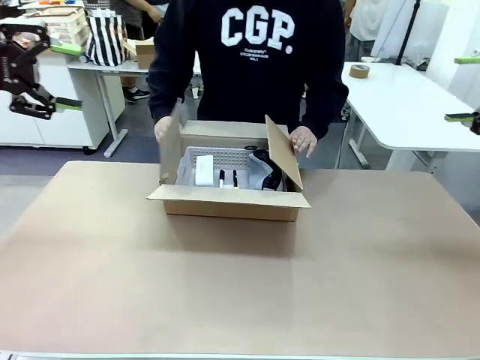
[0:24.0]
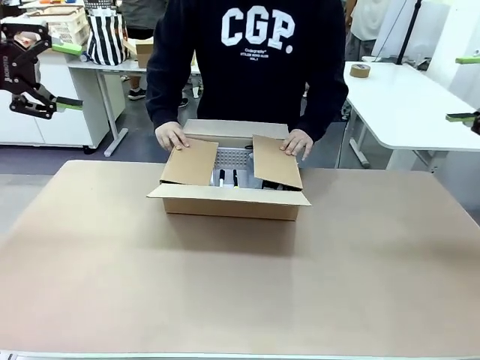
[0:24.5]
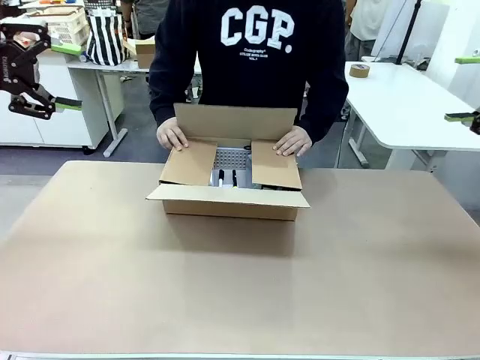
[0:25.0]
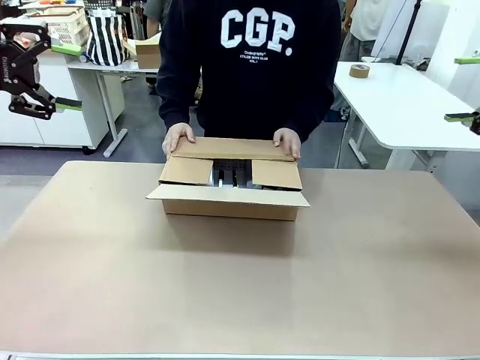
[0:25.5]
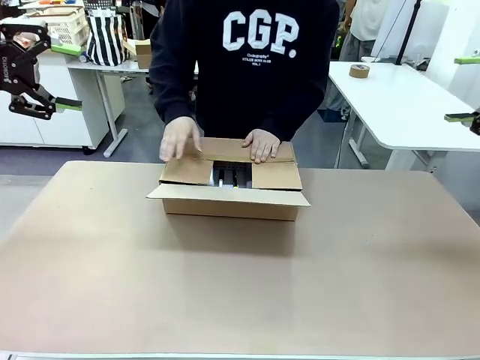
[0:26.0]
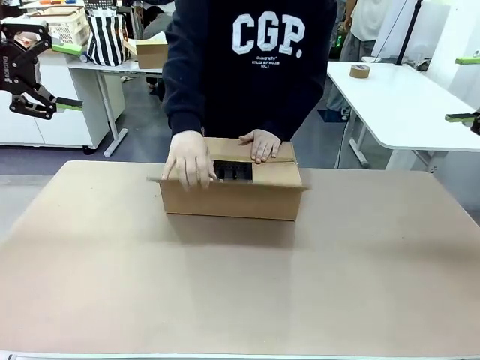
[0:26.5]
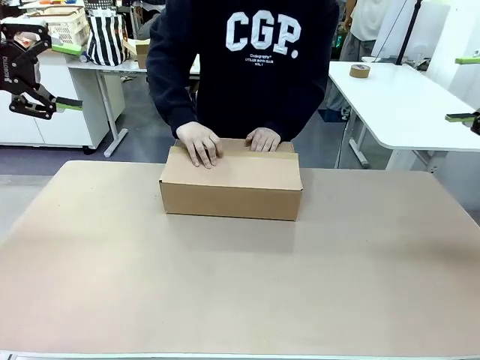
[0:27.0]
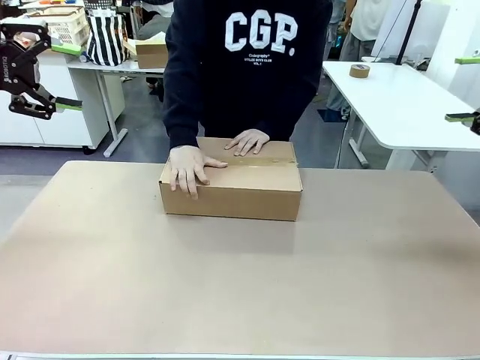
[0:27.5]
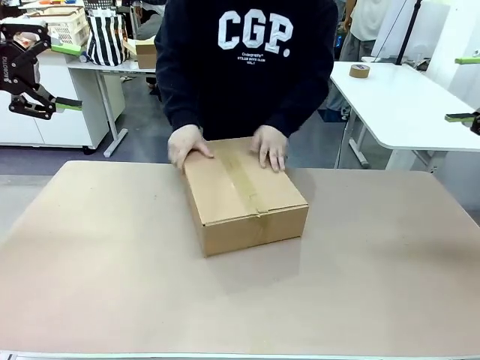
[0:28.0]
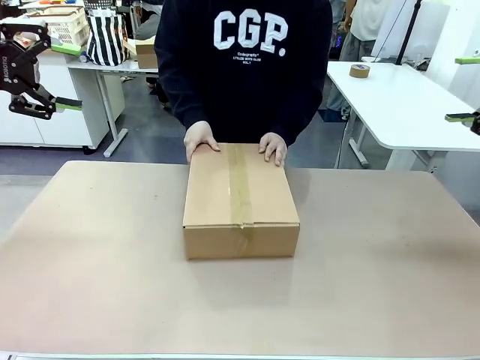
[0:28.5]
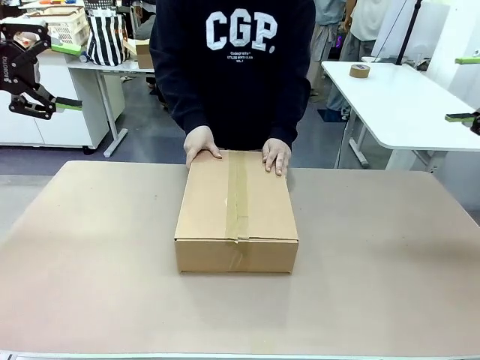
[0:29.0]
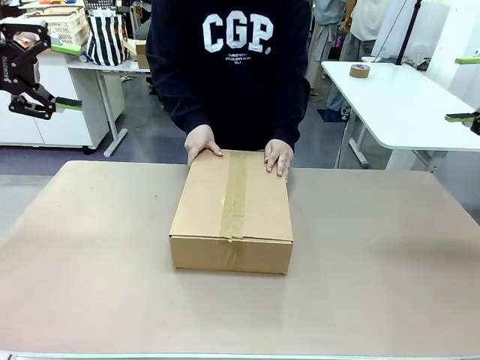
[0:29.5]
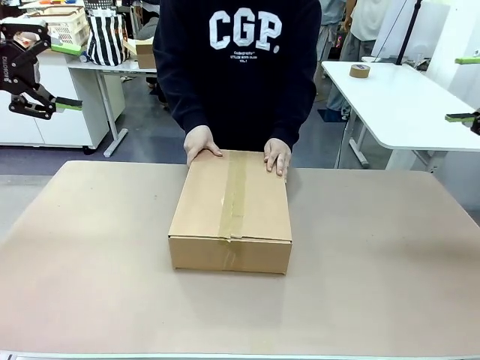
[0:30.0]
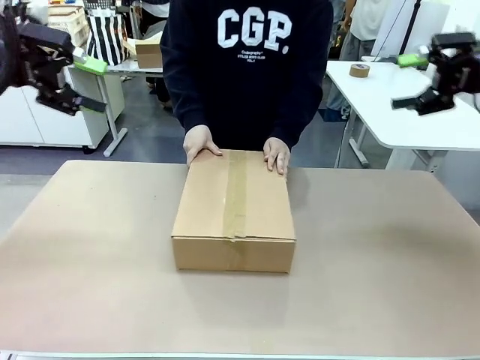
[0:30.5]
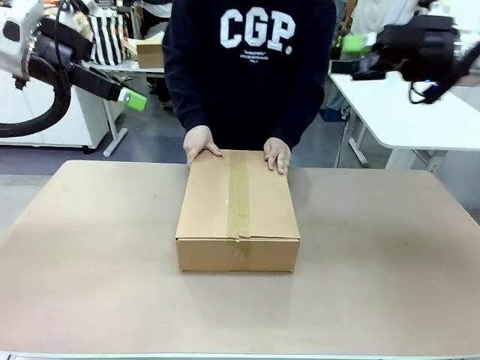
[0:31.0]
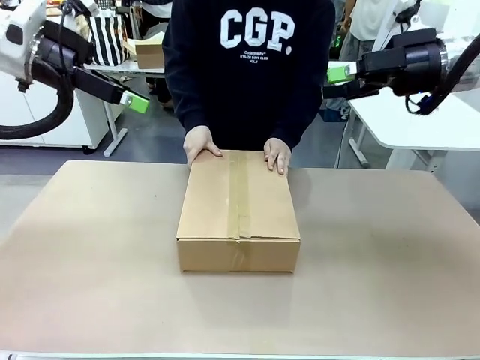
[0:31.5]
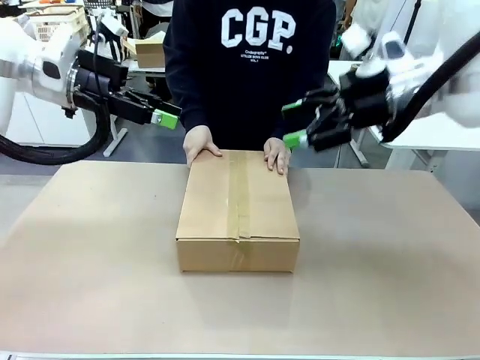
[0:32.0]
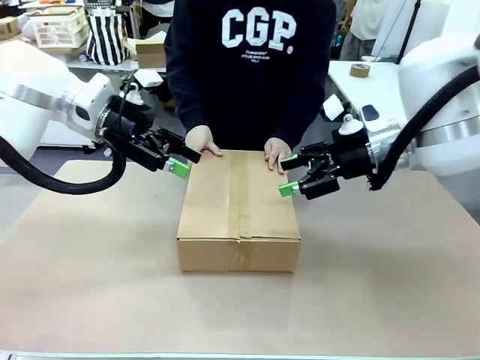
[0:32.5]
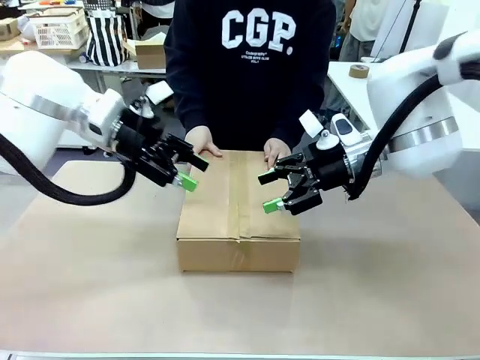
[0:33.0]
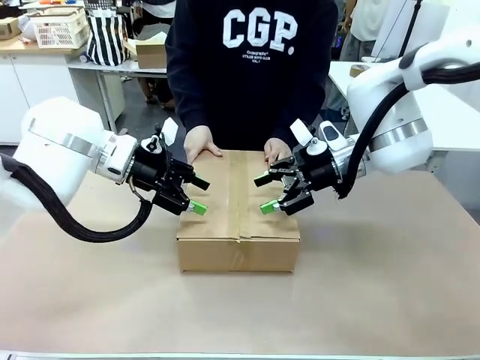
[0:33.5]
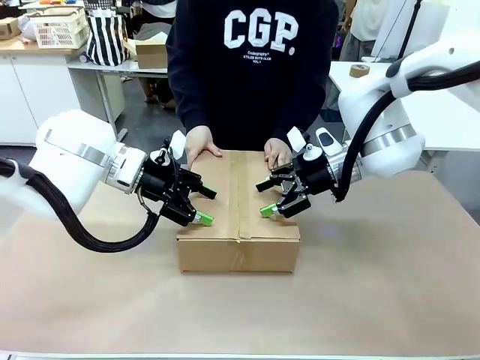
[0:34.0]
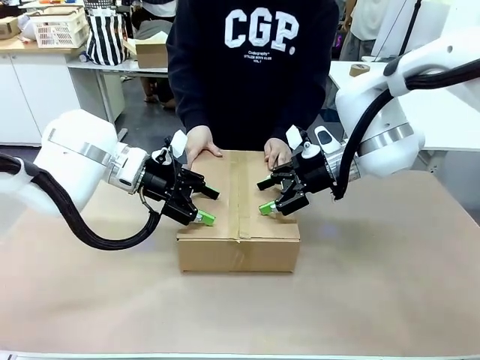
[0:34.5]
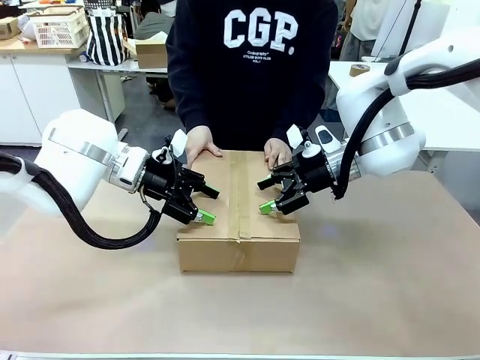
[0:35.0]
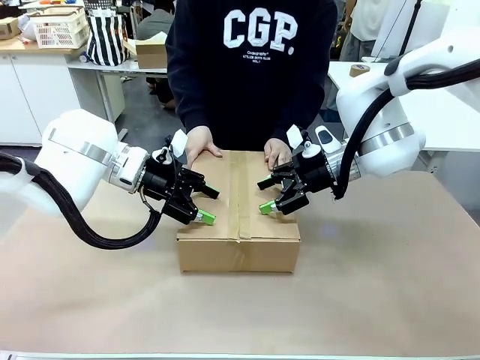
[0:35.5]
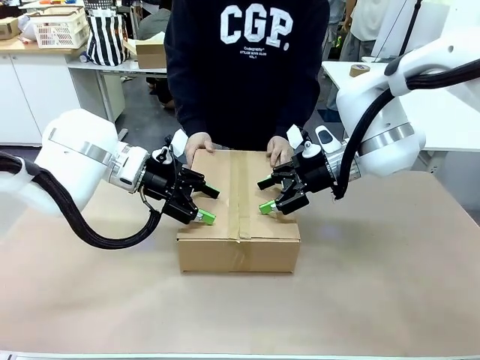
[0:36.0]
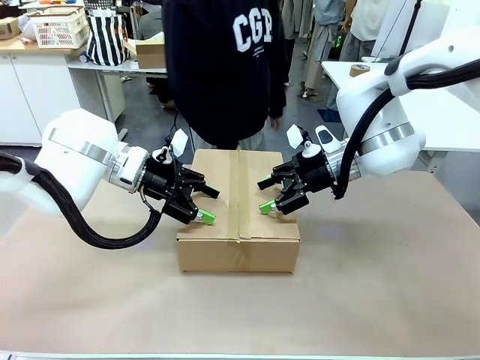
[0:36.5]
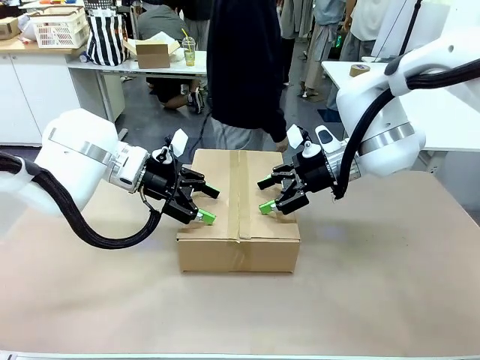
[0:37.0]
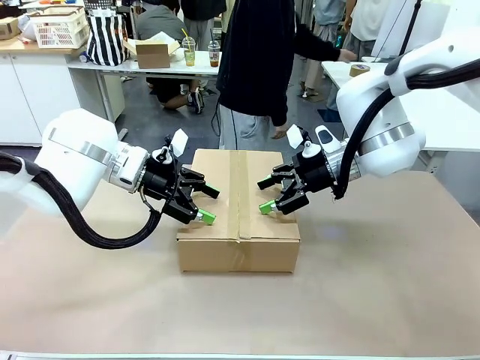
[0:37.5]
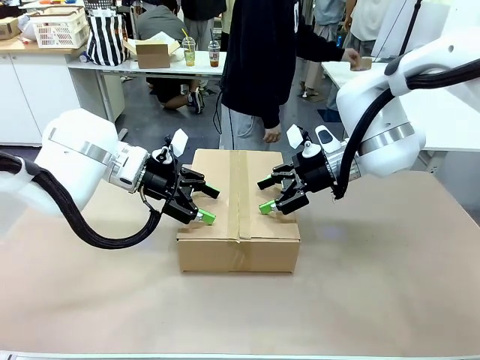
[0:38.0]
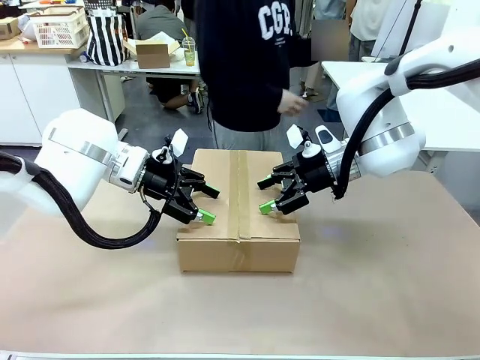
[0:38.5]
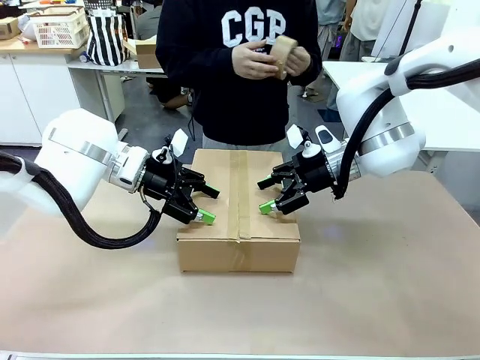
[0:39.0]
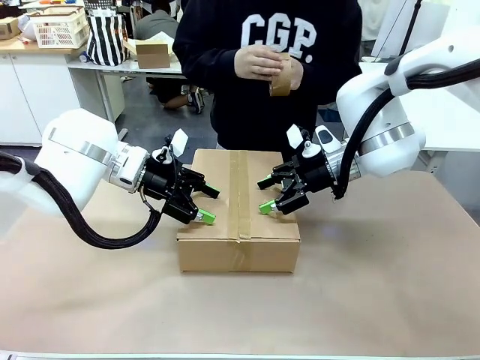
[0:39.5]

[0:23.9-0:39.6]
Task: Pack the gift set into the box.
Robot: Press and hold the closed box until the human finishes sealing it.
Person: The human closes the box and rotates the box by 90 degrees.

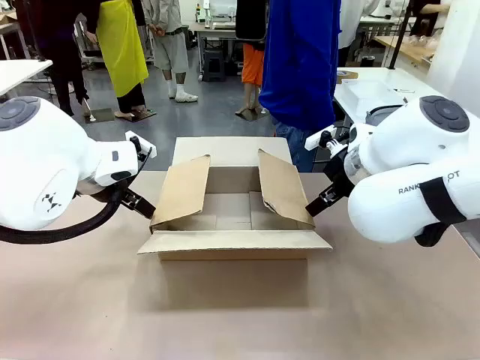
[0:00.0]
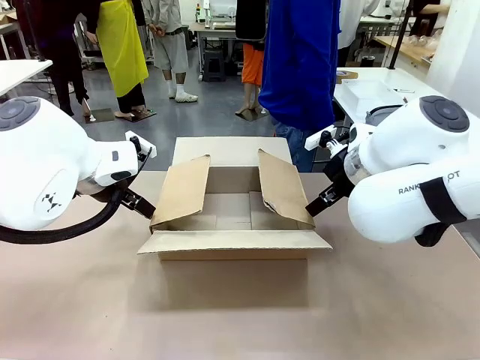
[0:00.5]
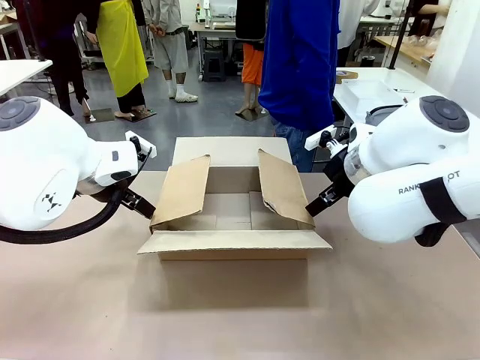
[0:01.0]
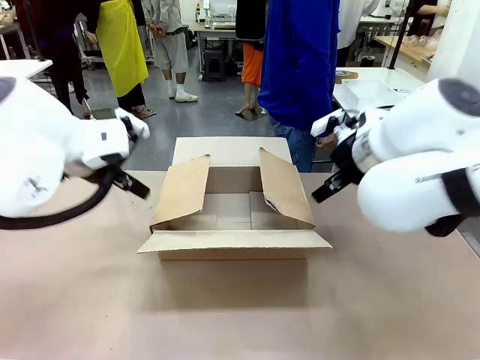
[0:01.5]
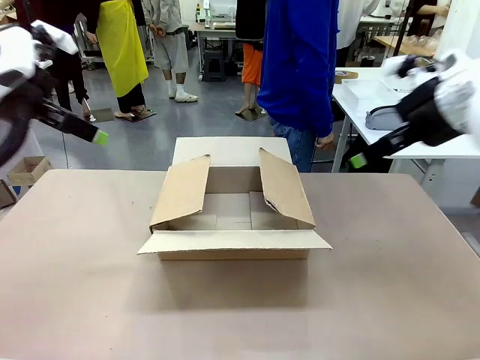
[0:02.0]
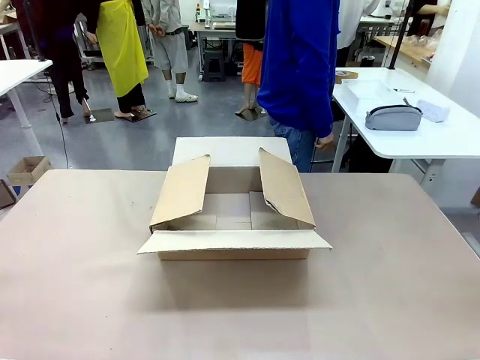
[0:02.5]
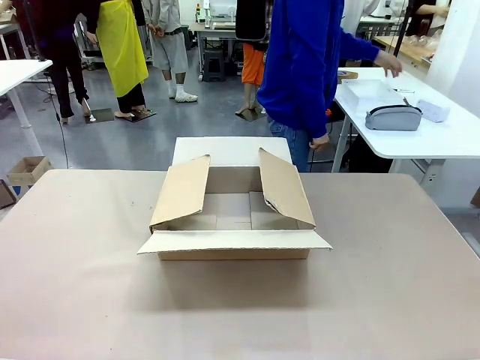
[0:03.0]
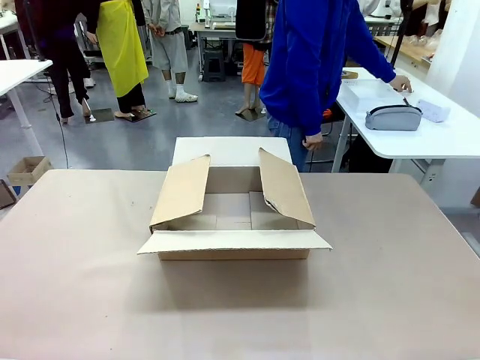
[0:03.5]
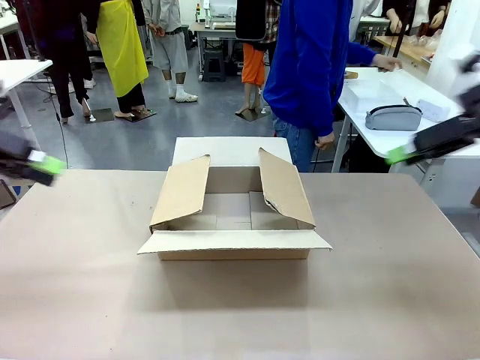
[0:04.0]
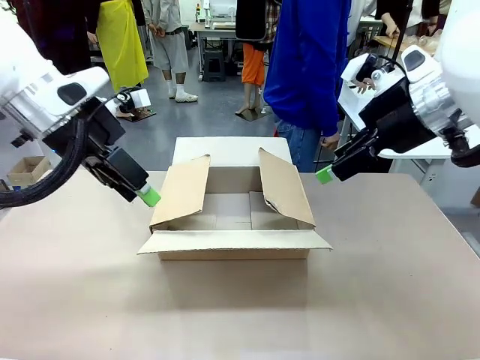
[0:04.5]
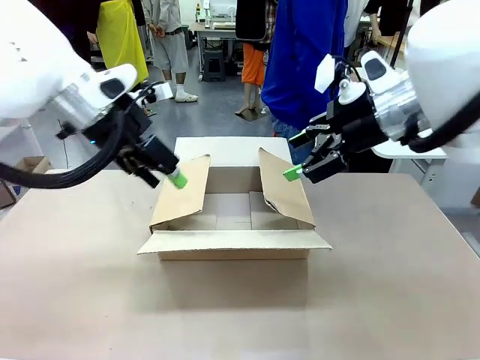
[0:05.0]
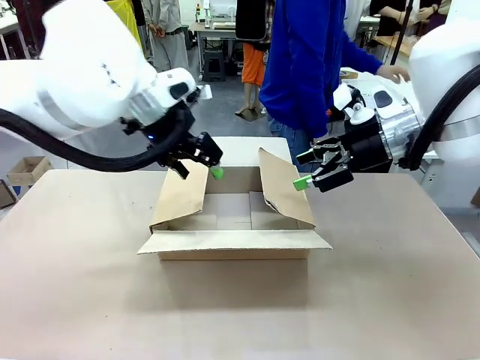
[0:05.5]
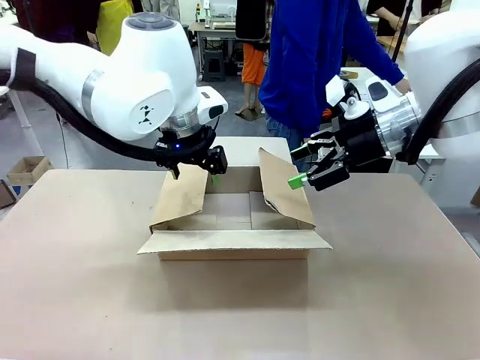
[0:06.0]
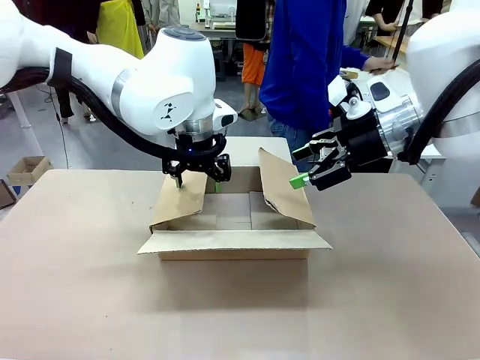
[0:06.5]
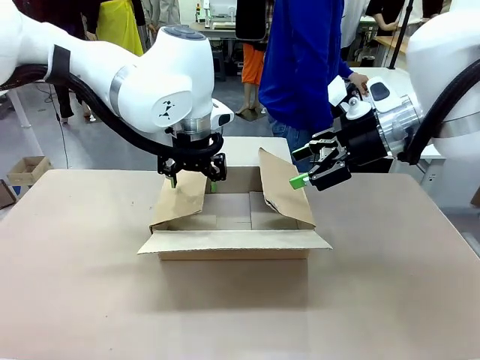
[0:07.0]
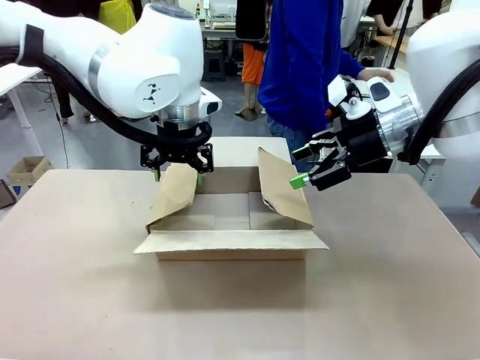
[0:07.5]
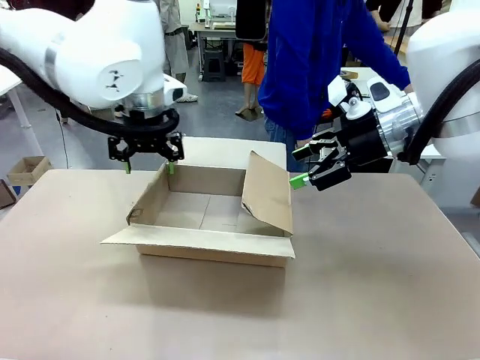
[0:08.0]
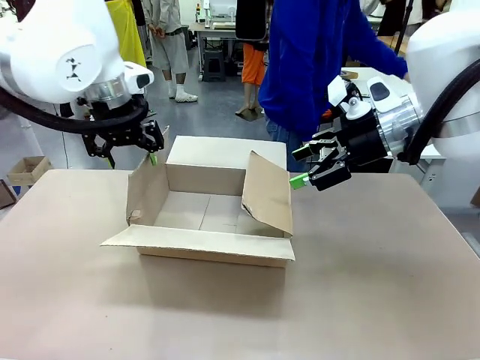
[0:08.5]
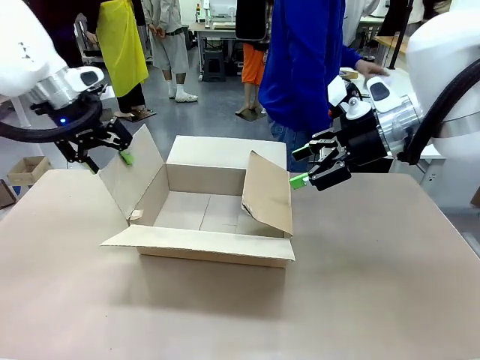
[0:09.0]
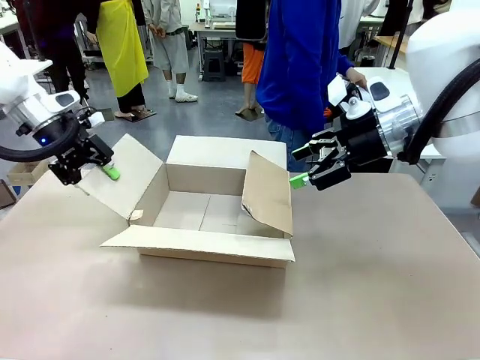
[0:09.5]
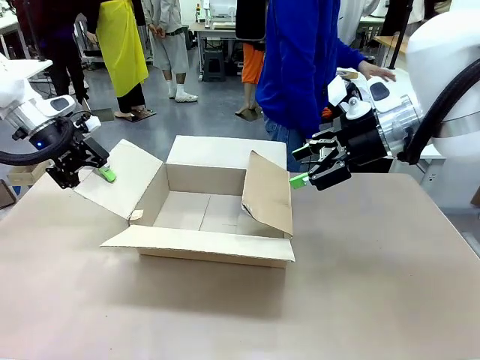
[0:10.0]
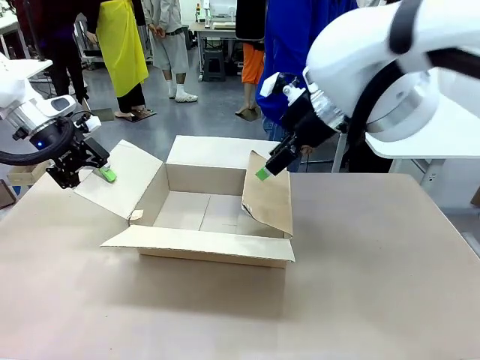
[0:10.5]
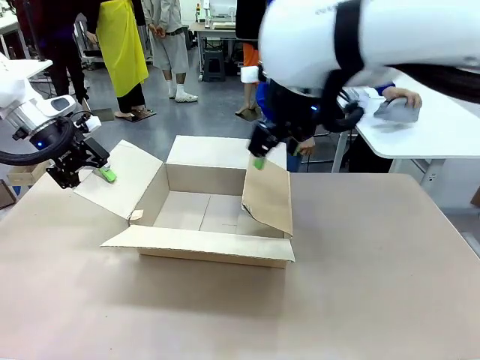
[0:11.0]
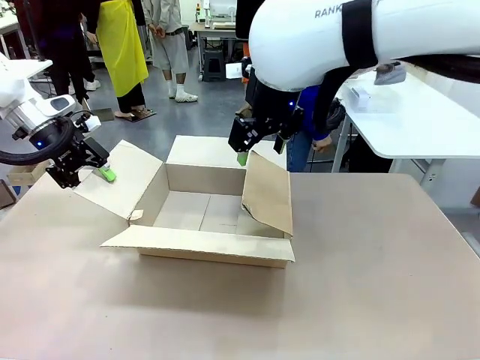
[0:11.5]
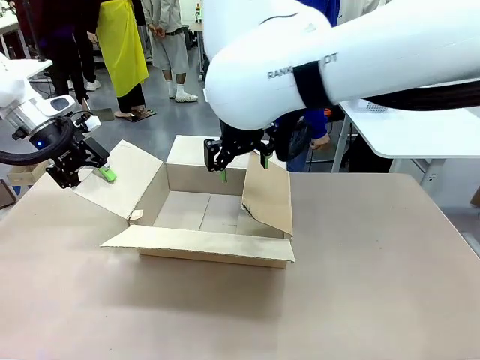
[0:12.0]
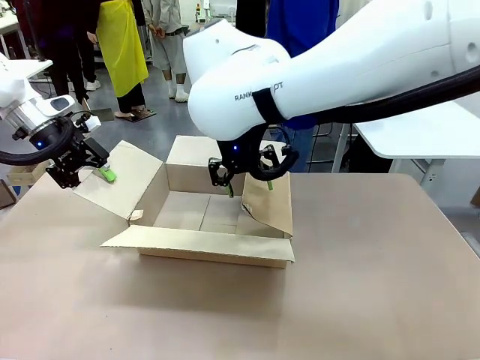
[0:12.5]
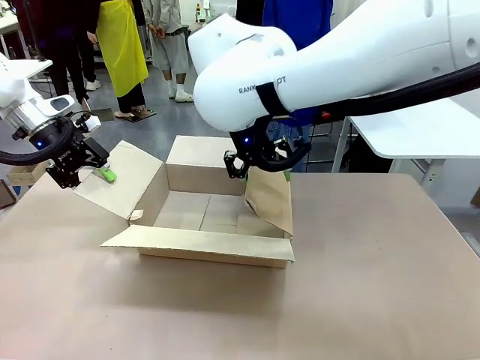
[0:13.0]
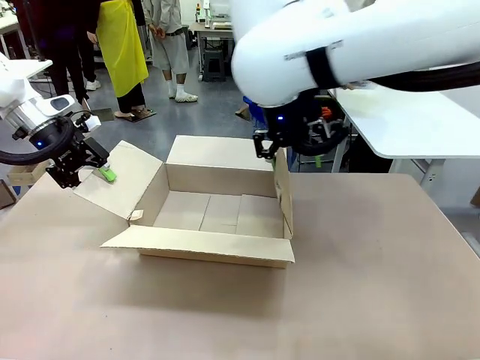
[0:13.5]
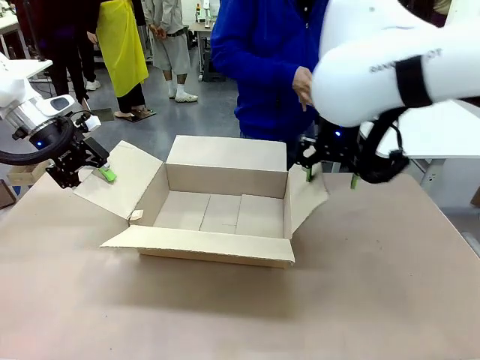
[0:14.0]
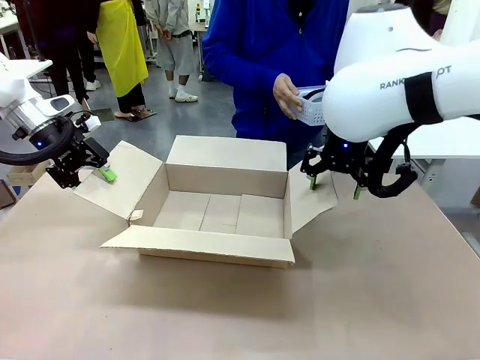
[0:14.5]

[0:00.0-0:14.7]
Task: Pack the gift set into the box.
Robot: Place both hands on the side flaps of the Package Box and spread them outward.
Person: The human places all items except the paper tape into the organizing basket.
